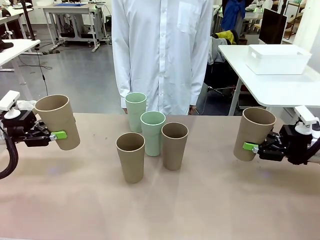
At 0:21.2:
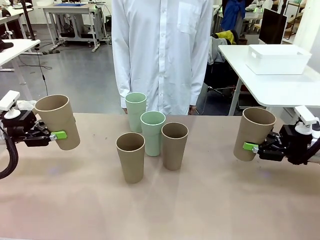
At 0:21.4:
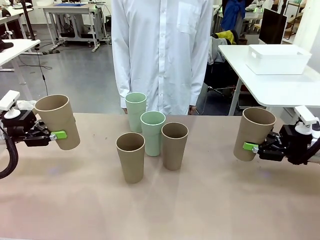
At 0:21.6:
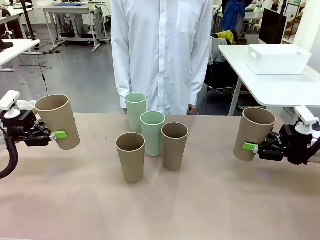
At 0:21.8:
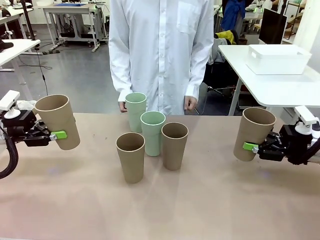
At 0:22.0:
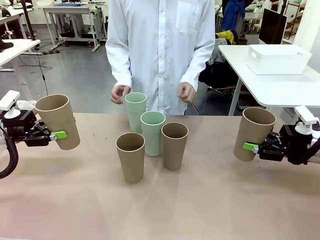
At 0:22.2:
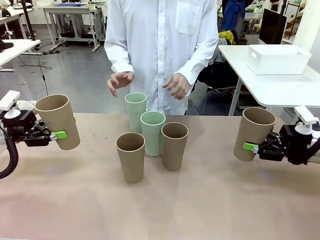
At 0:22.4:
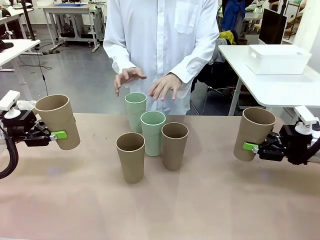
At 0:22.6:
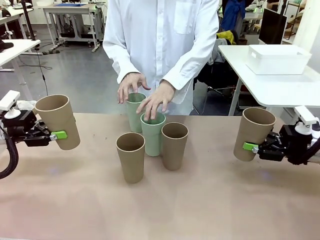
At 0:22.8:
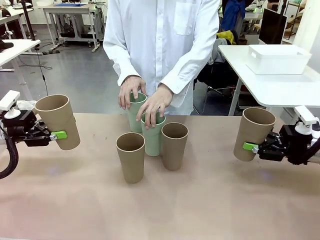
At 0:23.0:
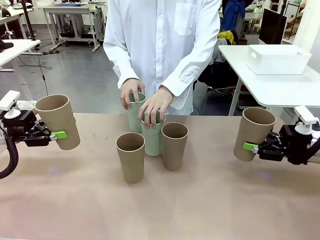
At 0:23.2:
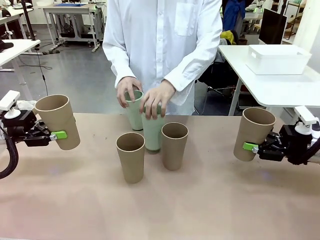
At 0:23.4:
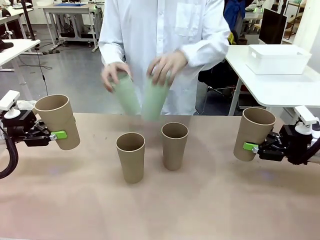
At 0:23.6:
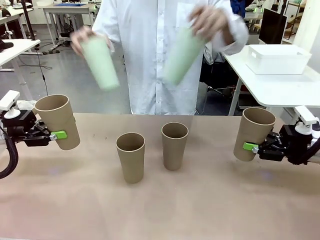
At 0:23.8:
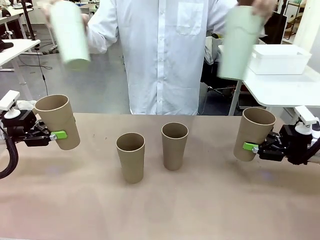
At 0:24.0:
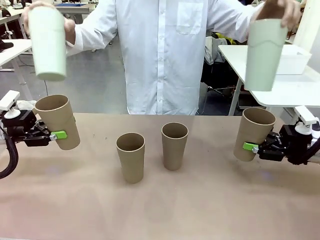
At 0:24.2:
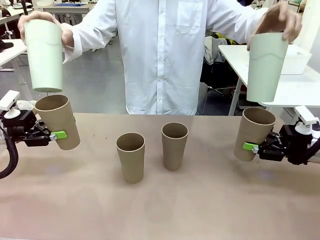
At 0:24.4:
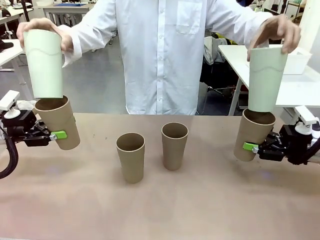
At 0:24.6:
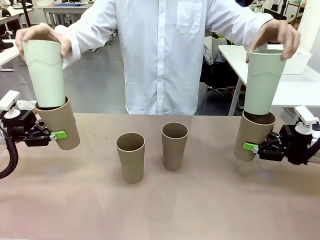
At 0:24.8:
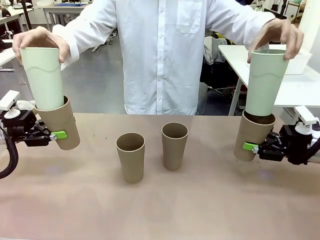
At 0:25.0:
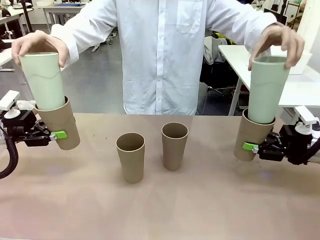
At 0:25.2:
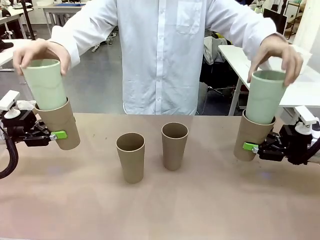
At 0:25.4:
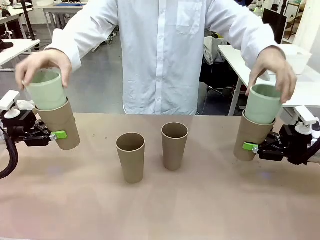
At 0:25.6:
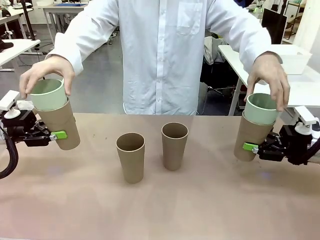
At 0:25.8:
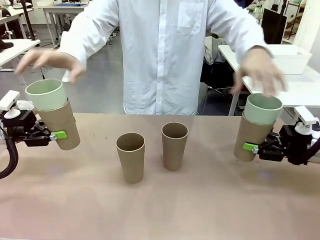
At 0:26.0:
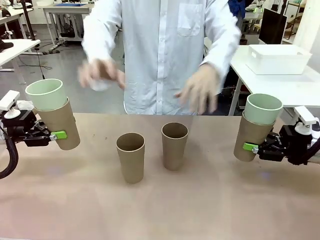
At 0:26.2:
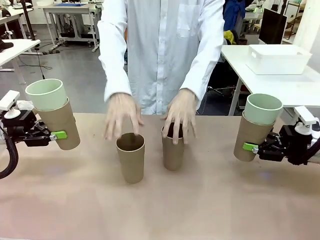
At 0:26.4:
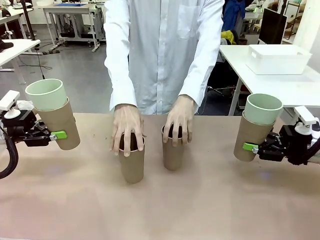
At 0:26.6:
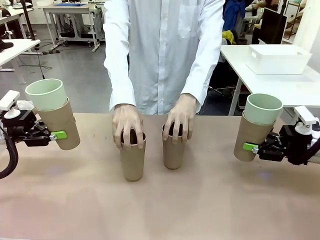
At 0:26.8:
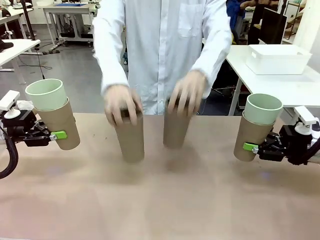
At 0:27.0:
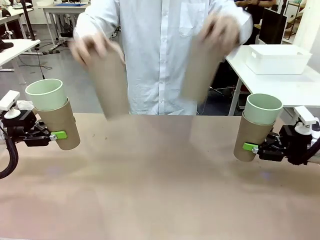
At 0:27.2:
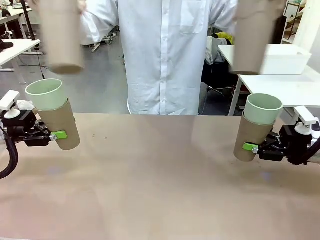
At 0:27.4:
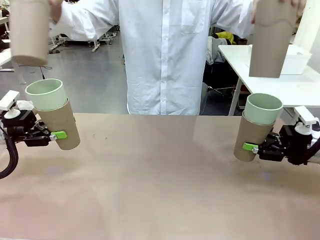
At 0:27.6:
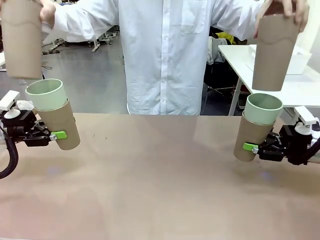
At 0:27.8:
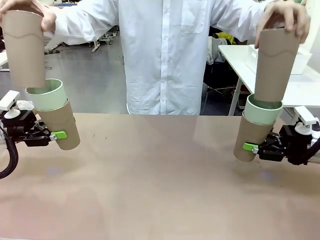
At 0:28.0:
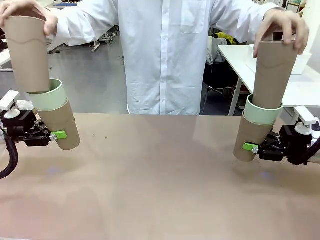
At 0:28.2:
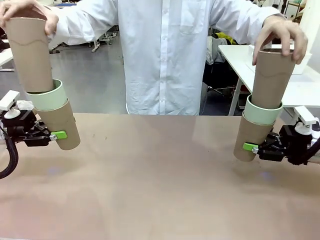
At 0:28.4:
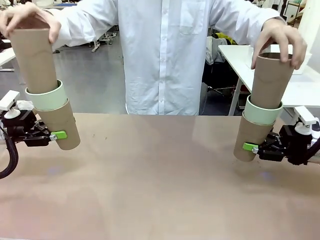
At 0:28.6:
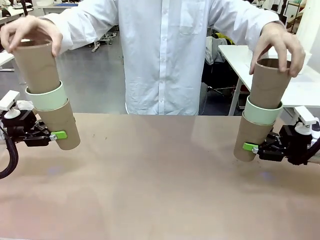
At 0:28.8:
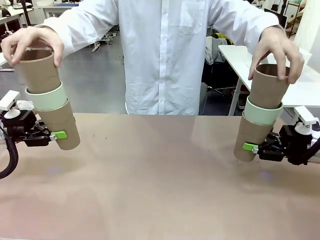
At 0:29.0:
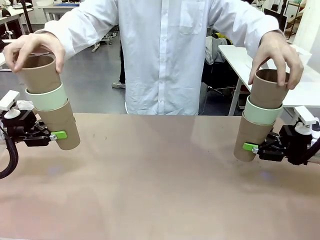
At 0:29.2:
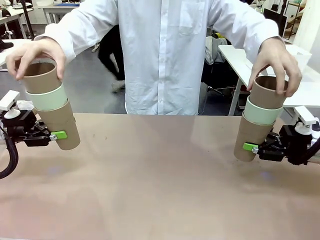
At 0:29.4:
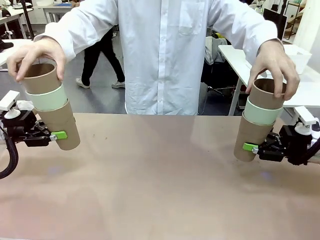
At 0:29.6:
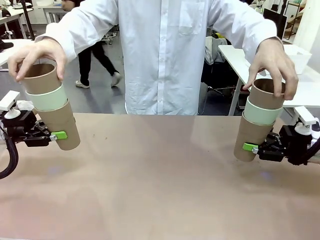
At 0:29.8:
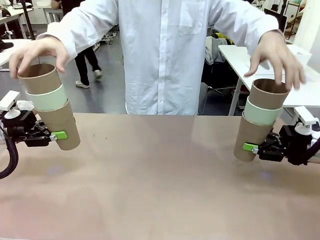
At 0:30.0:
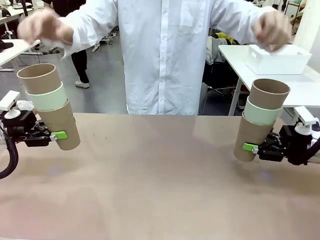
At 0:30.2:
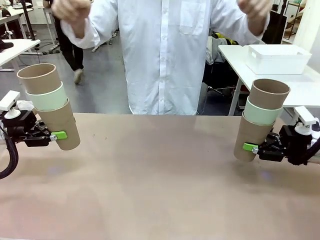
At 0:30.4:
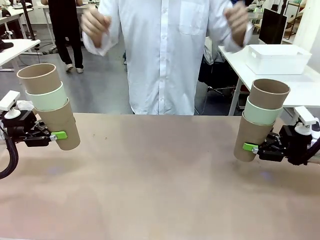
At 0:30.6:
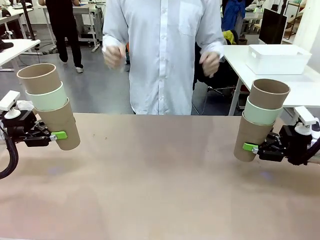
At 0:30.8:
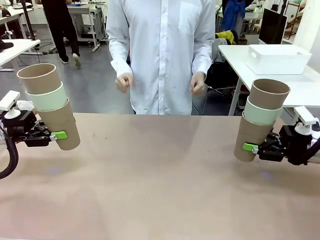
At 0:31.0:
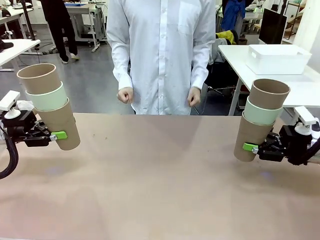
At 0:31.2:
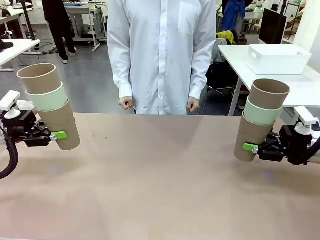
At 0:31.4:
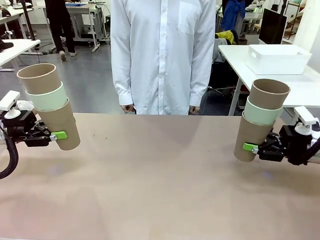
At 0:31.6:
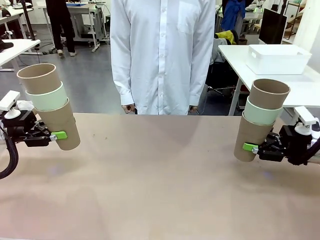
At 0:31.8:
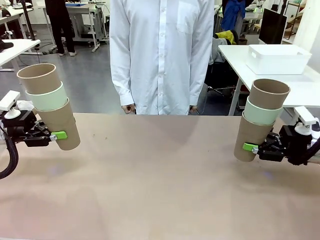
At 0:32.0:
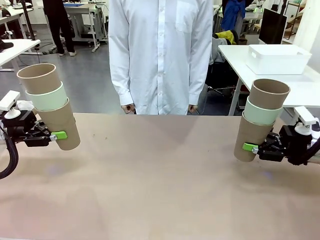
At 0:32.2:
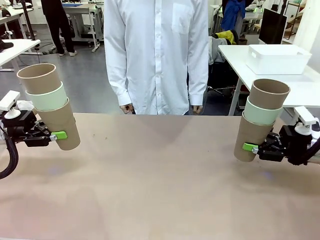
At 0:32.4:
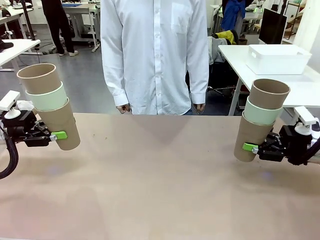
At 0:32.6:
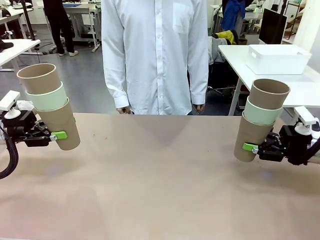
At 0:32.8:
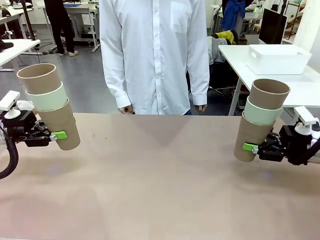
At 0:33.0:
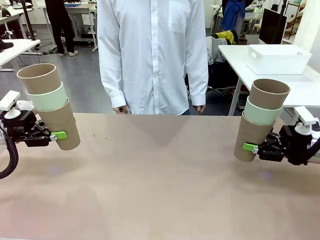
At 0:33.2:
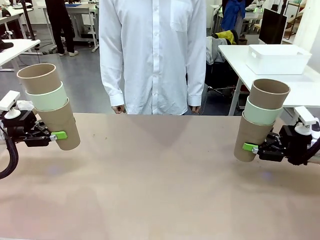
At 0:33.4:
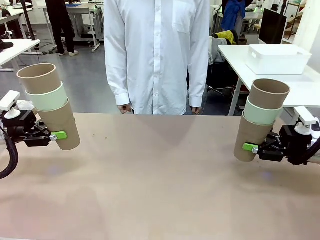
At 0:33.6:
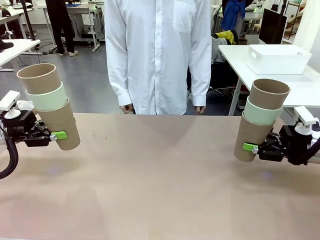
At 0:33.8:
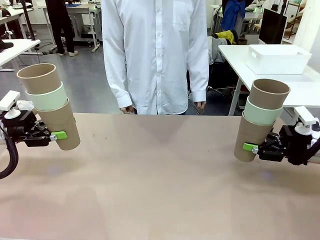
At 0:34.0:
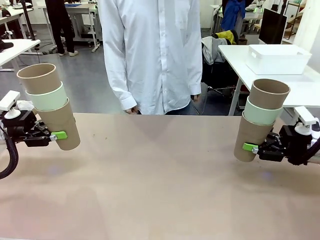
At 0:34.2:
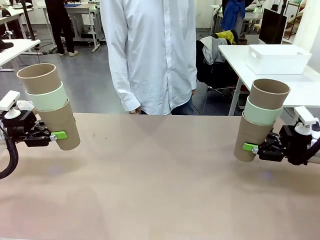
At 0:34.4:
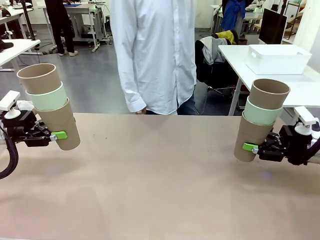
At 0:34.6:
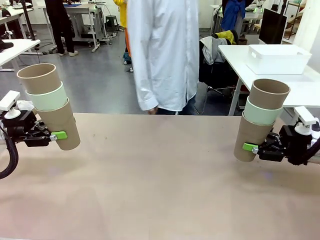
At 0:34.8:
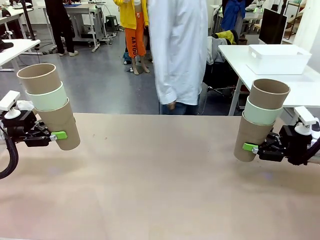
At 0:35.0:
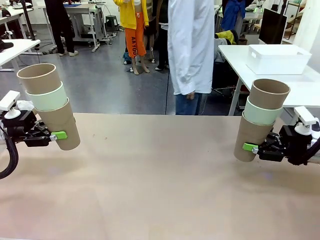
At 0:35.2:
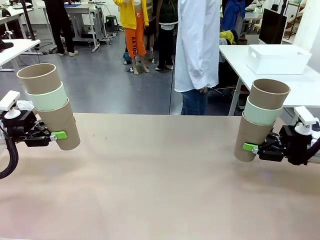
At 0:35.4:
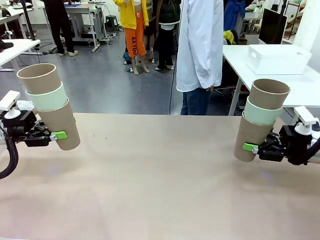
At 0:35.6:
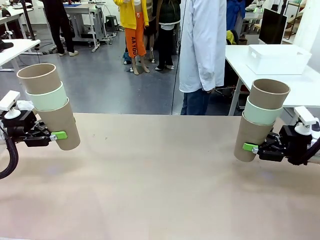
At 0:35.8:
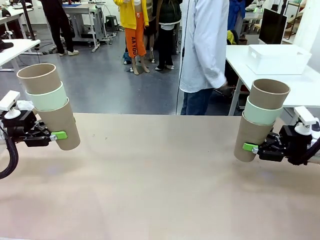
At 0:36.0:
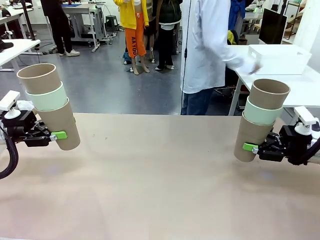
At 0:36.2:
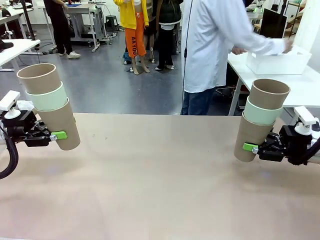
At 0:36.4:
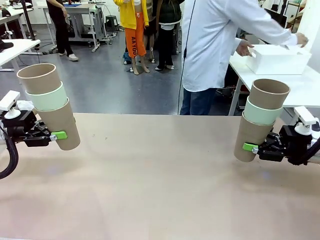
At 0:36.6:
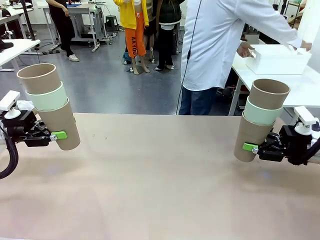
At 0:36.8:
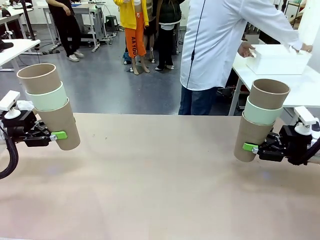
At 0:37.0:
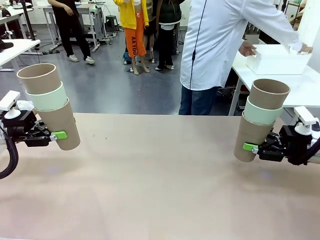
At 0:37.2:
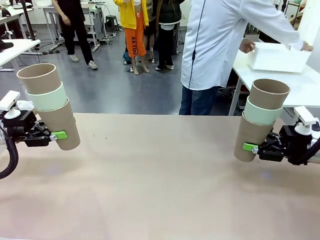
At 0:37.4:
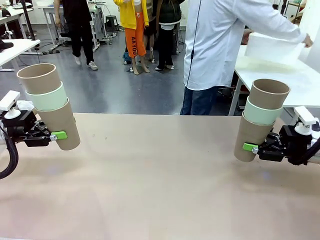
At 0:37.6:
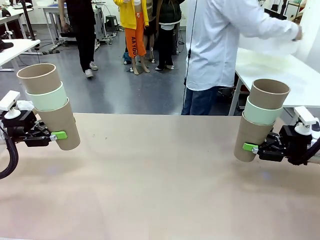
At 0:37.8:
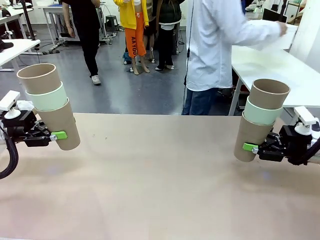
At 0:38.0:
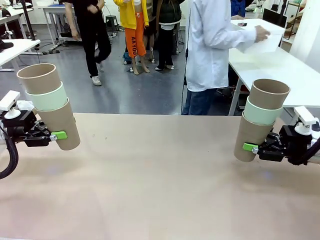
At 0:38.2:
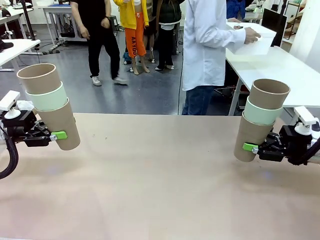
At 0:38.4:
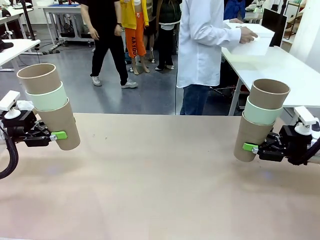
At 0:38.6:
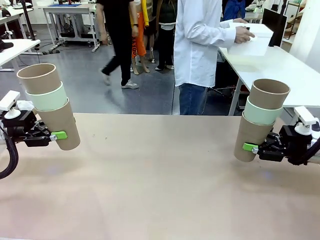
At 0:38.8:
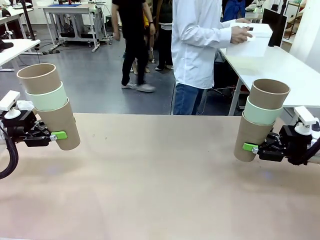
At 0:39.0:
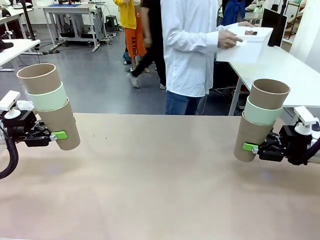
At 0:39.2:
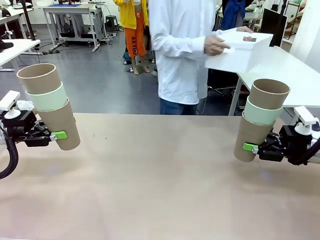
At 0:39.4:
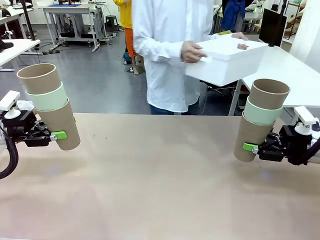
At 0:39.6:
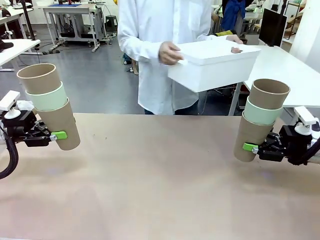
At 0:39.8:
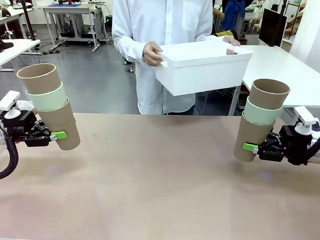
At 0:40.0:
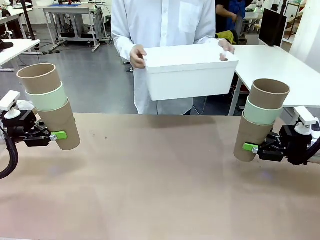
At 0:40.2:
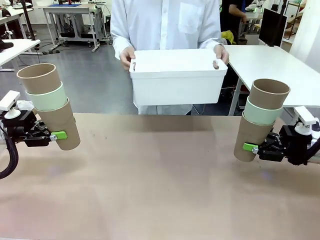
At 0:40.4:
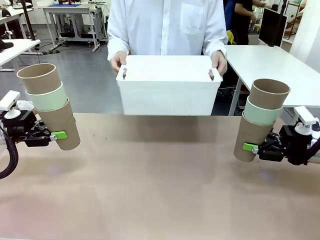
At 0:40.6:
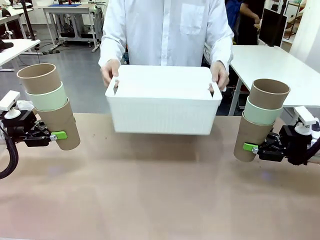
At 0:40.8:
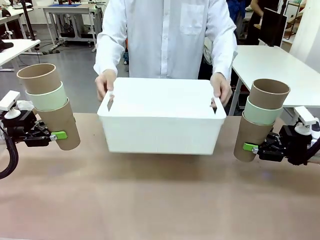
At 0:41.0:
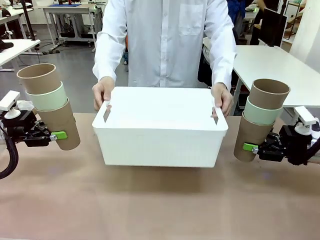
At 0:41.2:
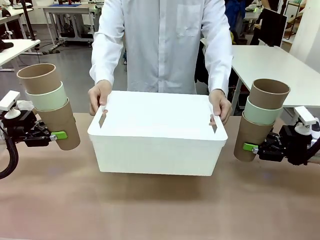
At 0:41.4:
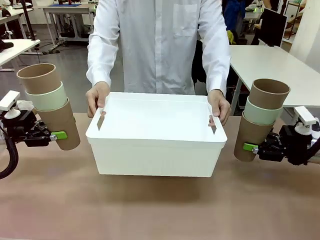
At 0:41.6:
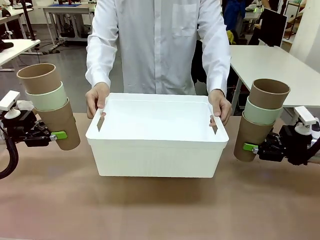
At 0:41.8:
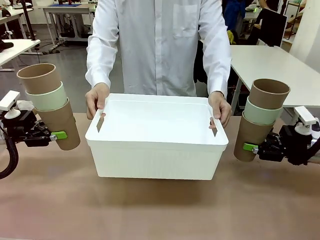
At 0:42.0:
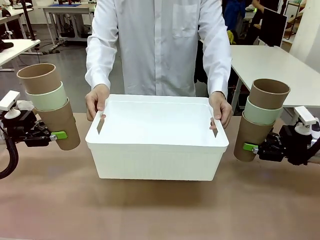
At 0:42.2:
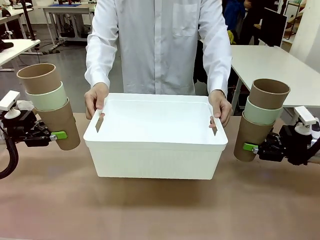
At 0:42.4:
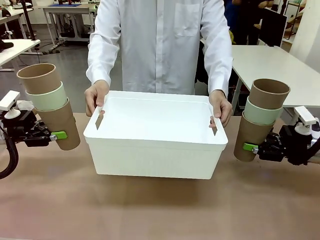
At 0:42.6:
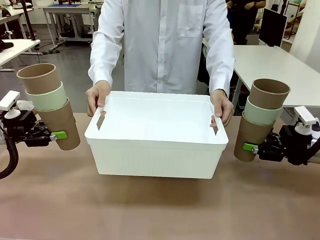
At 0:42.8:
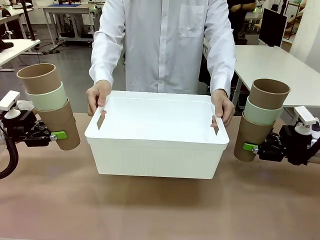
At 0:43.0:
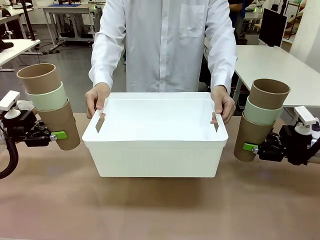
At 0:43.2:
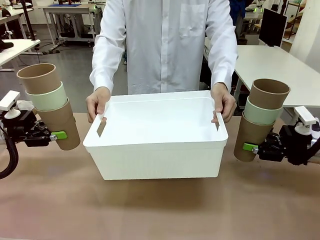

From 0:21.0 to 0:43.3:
Task: Stack the cups and store them in the basket.
Robot: Place the stack of Reusable plastic cups into the Pantry Basket.
Person: Pick up the basket from the Human Table, bring it to the front of the robot, and present it.
